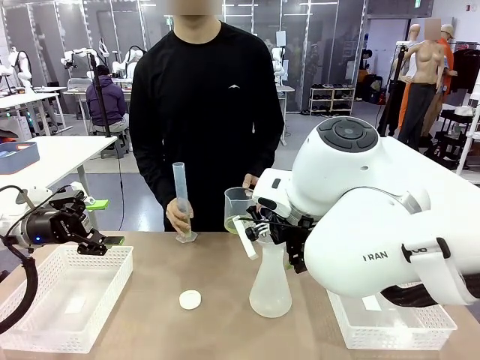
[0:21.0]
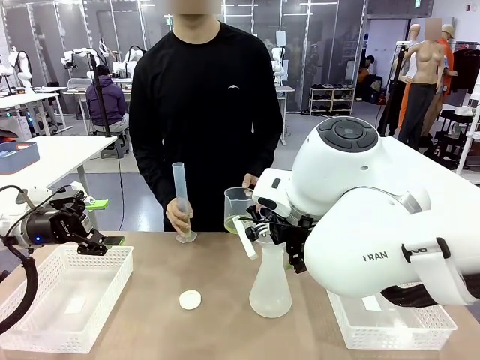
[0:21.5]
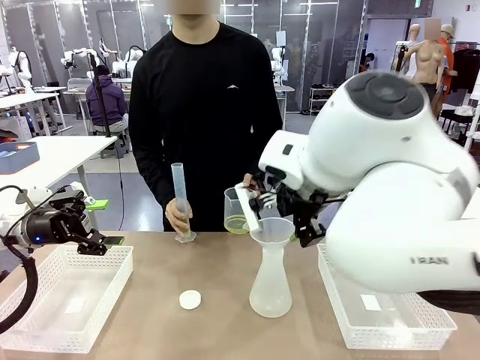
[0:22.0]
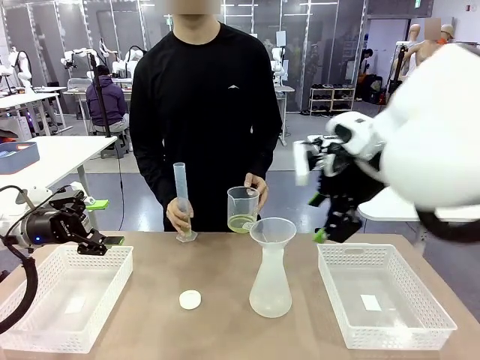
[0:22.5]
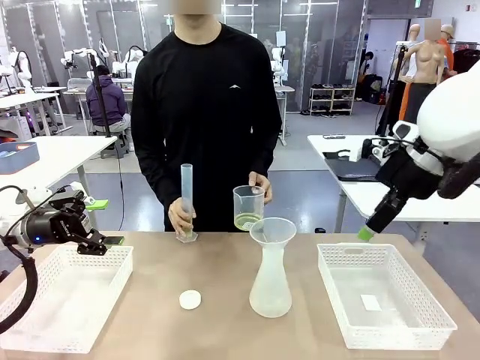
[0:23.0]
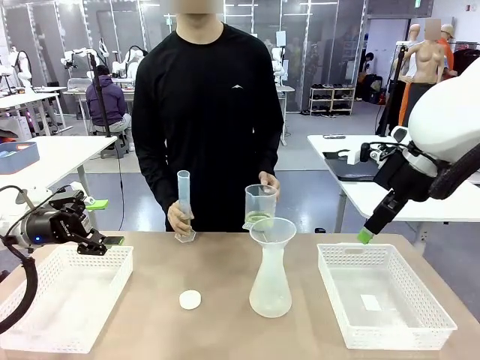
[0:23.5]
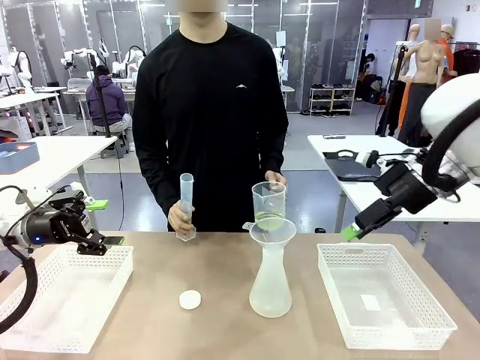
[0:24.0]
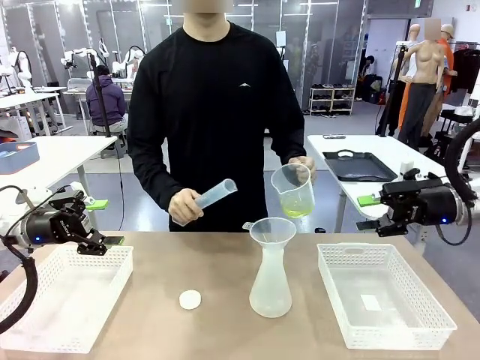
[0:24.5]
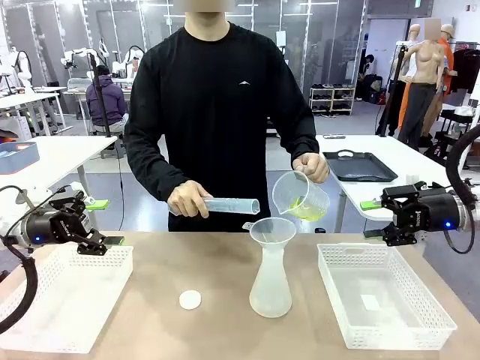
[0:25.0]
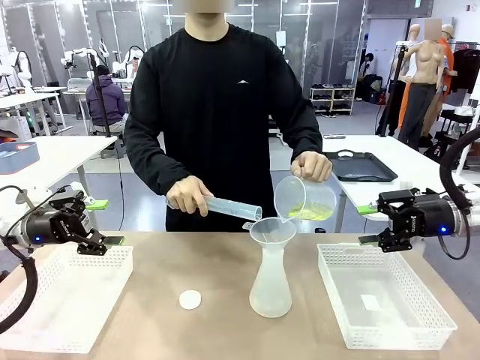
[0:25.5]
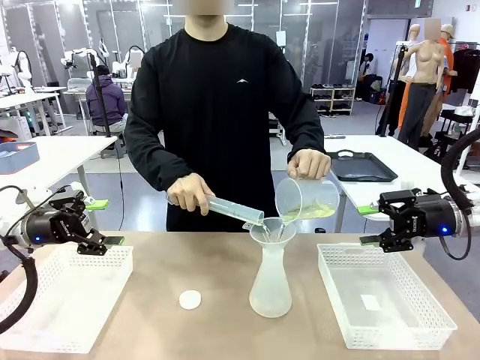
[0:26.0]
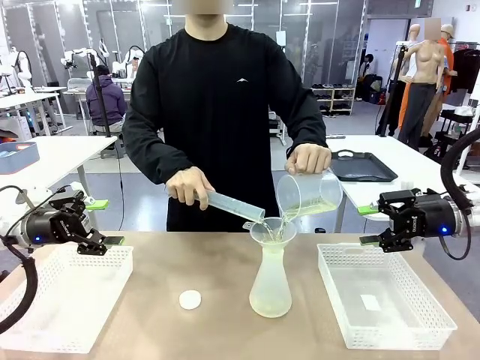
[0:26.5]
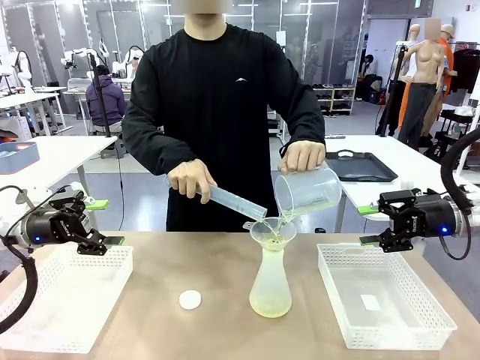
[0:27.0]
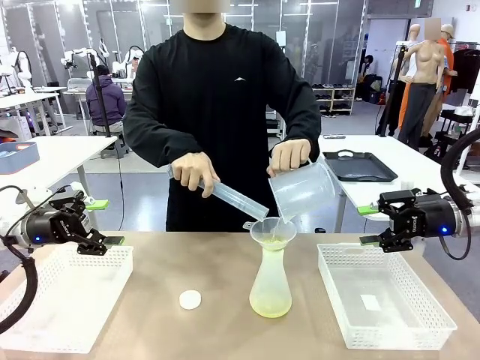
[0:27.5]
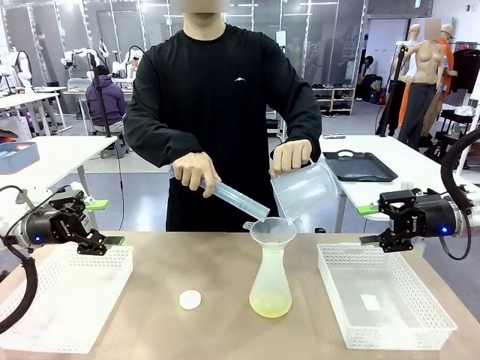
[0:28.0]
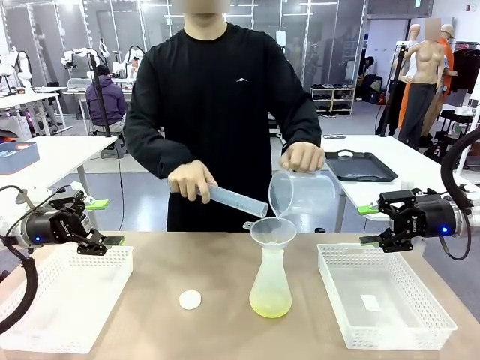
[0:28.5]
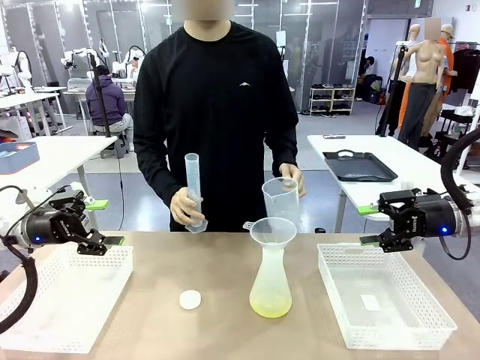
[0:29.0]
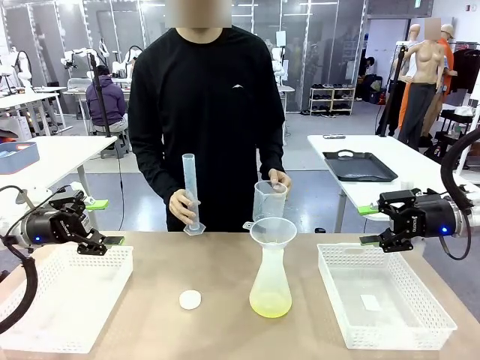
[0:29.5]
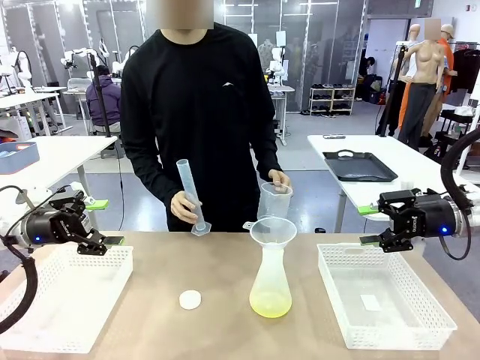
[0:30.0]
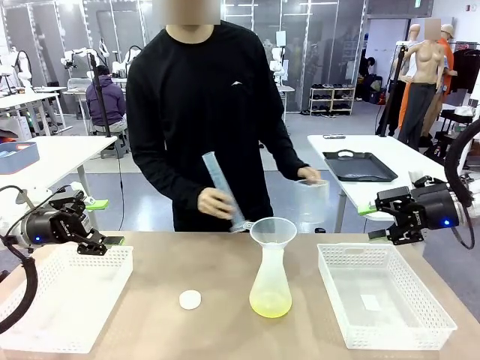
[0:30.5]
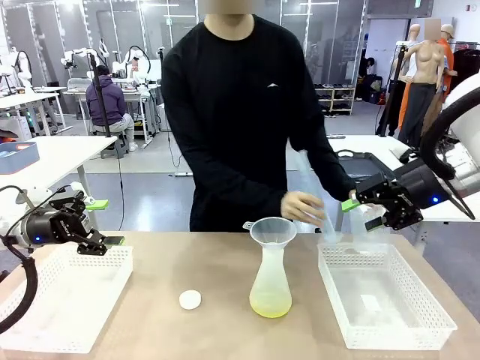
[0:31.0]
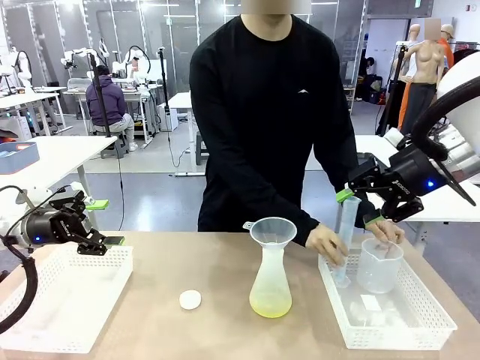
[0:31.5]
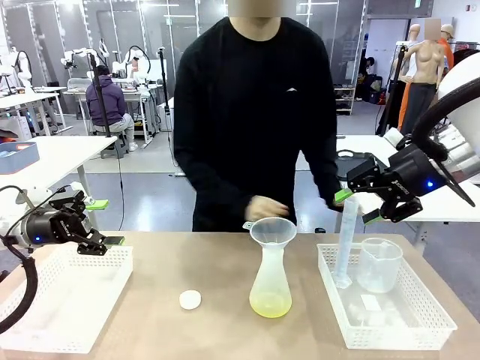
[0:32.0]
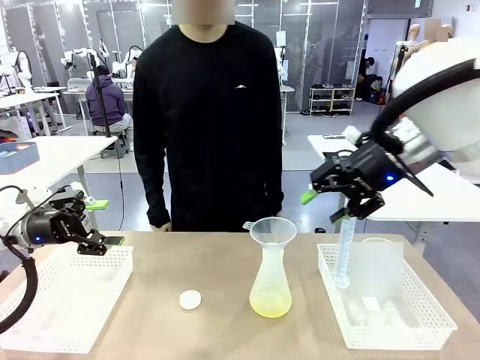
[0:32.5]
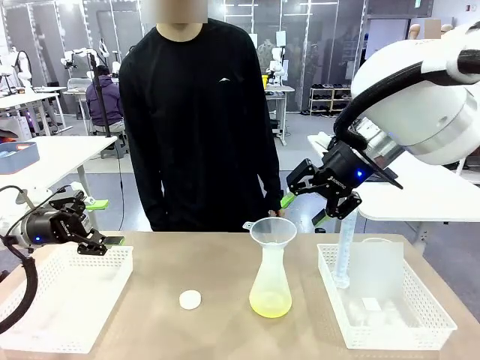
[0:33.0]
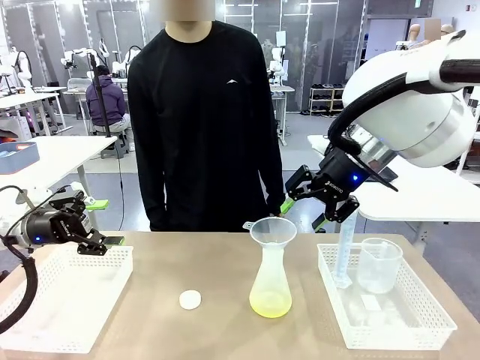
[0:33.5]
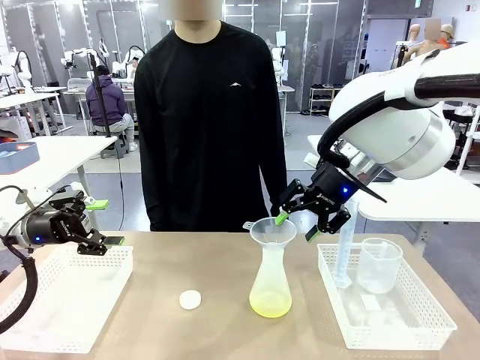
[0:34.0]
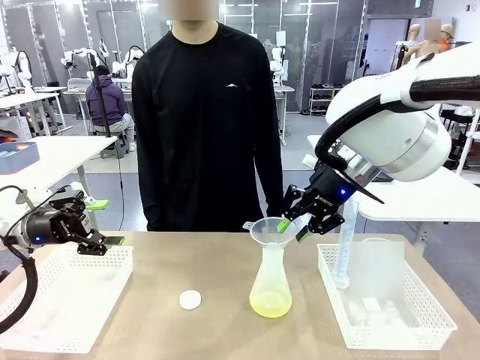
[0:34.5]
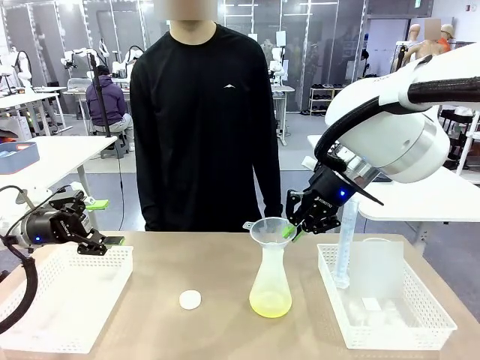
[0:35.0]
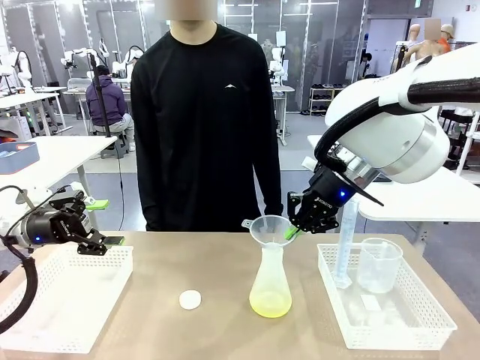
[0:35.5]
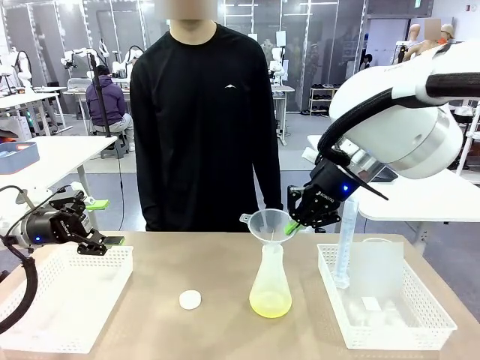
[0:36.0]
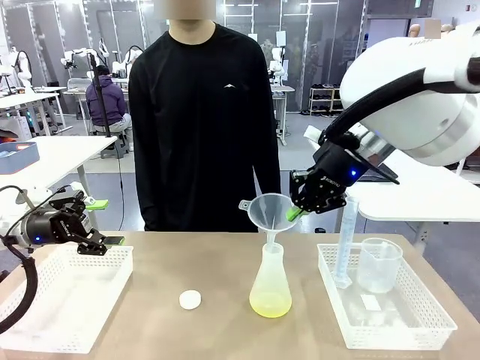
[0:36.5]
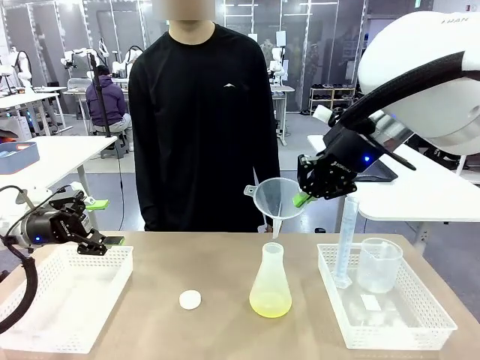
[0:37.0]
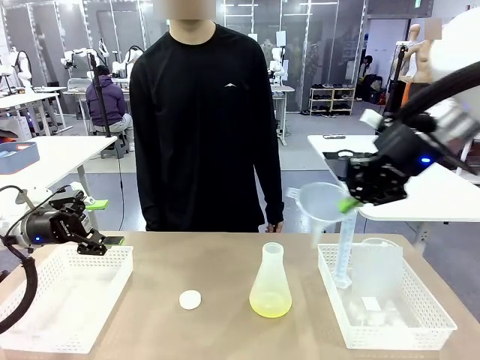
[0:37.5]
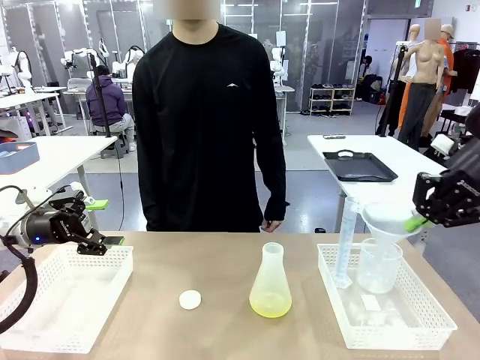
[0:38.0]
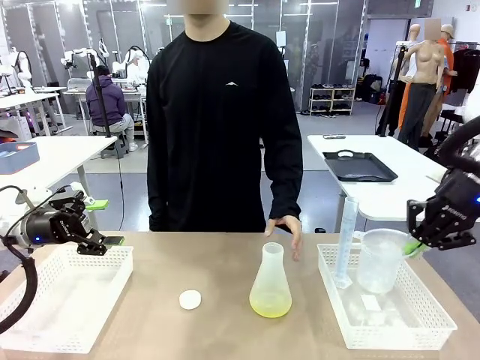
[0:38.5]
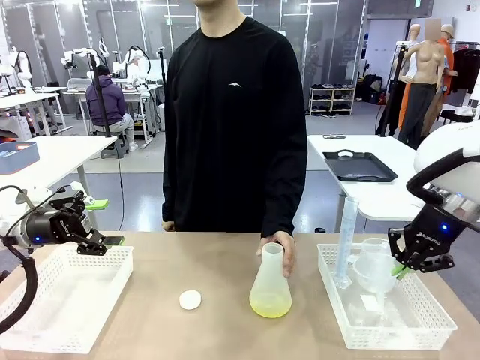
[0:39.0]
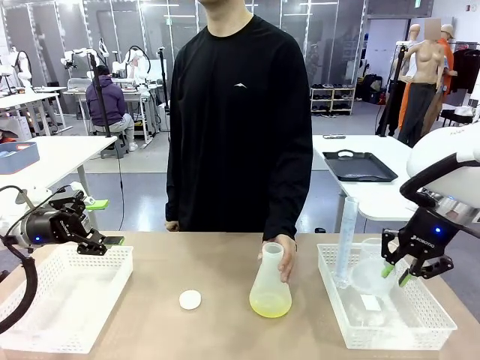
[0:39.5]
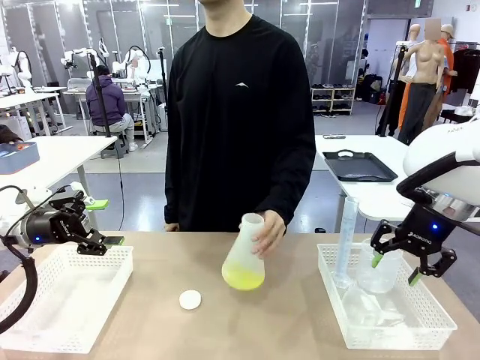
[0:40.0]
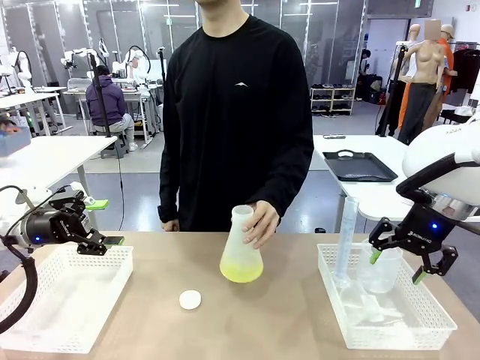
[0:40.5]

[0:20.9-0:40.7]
Task: Prepare the solutions needed for the experiment.
Robot: Once the solution is in the Big flask , pick up the Plastic Funnel and place it back into the right Organizing basket.
Person: Pour the solution from the beaker and the cylinder into the flask. Place the beaker and the cylinder into the organizing basket on the left side. Pick up the flask, gently shake it 2–3 times, place it in the middle of the robot table, and close the lid.
